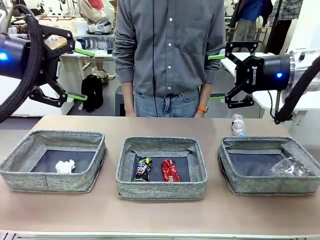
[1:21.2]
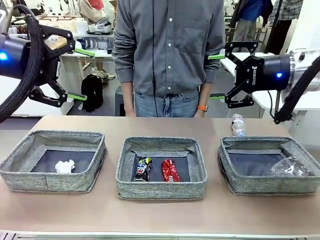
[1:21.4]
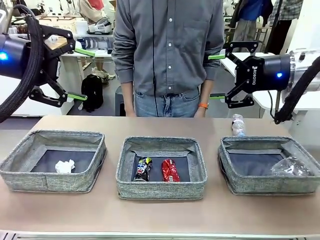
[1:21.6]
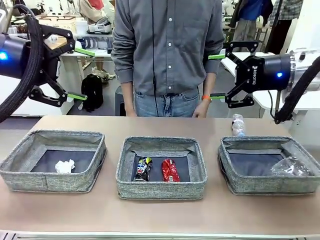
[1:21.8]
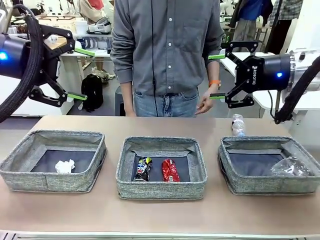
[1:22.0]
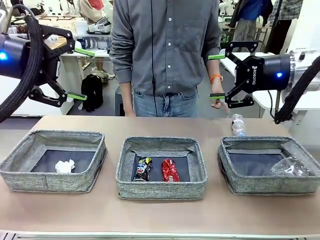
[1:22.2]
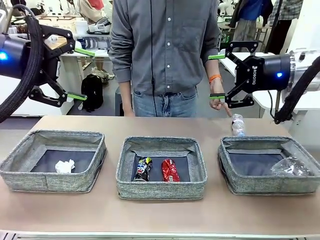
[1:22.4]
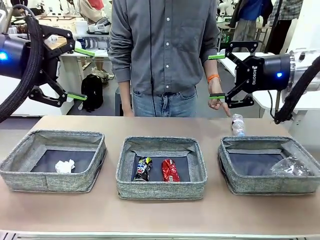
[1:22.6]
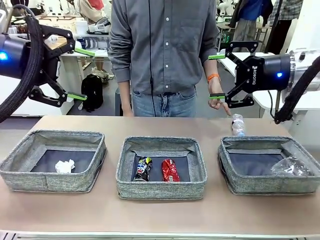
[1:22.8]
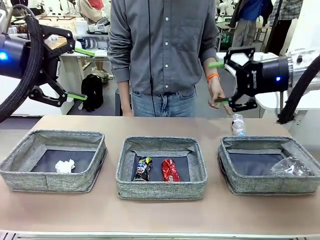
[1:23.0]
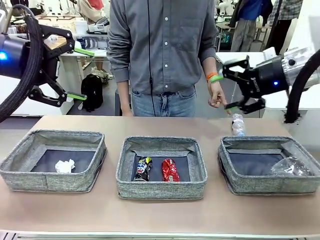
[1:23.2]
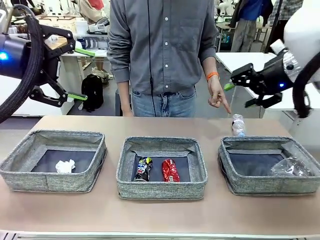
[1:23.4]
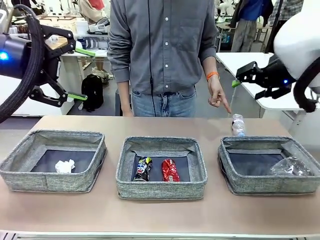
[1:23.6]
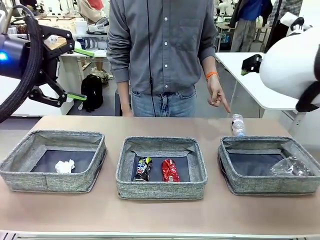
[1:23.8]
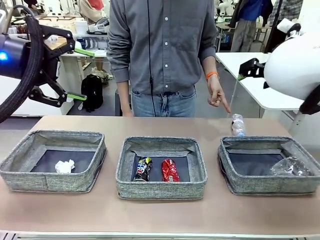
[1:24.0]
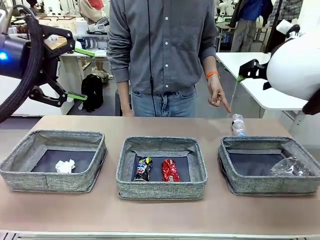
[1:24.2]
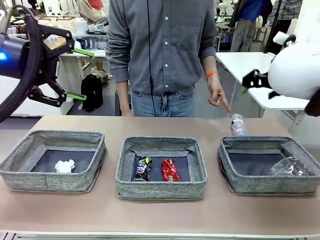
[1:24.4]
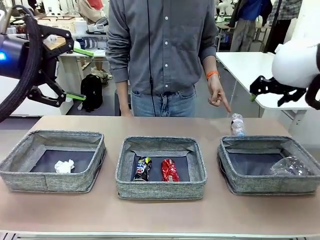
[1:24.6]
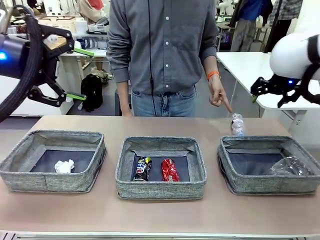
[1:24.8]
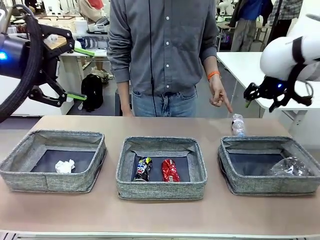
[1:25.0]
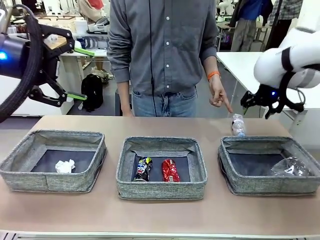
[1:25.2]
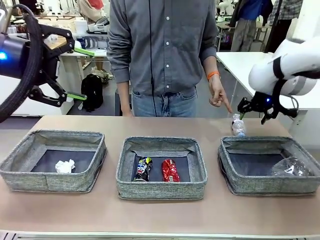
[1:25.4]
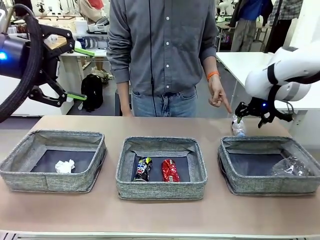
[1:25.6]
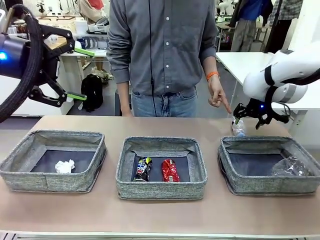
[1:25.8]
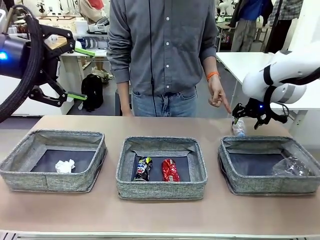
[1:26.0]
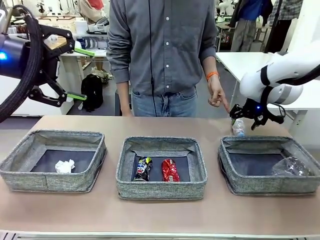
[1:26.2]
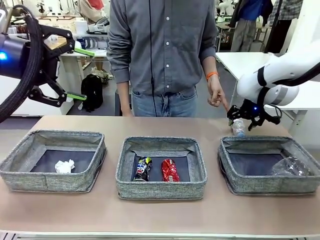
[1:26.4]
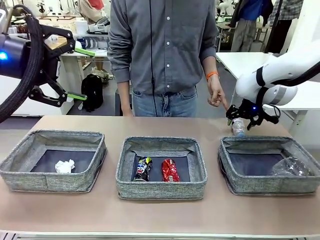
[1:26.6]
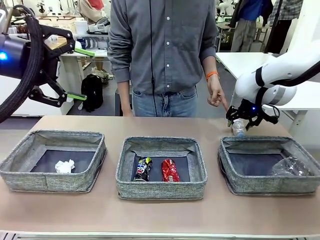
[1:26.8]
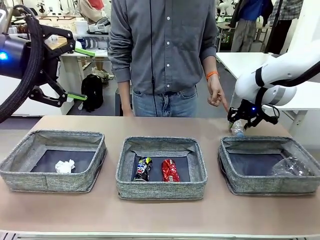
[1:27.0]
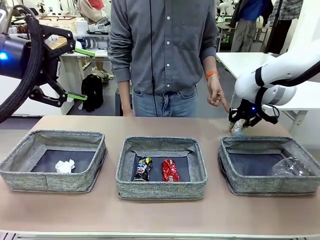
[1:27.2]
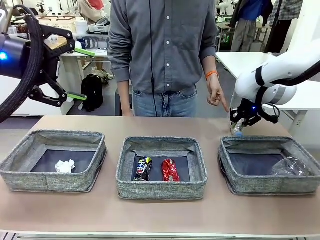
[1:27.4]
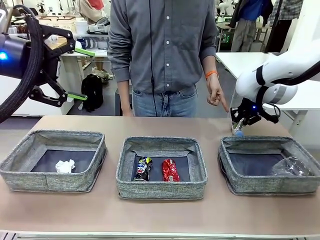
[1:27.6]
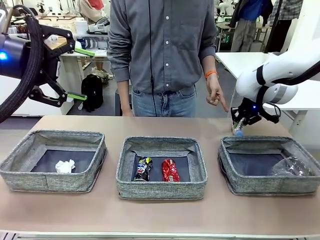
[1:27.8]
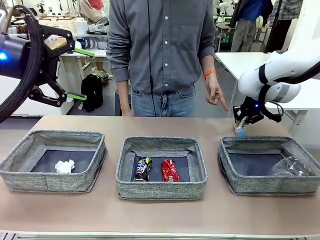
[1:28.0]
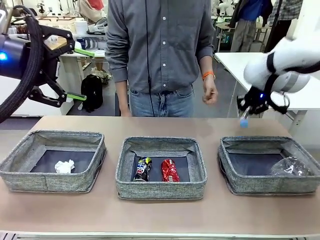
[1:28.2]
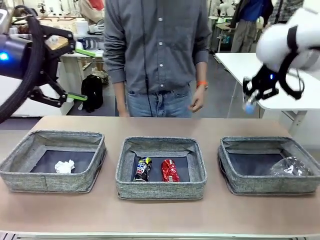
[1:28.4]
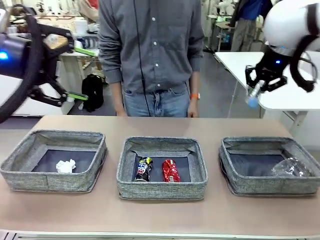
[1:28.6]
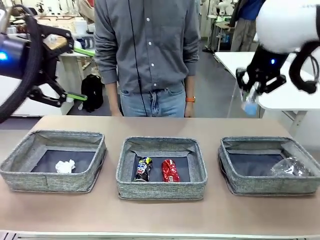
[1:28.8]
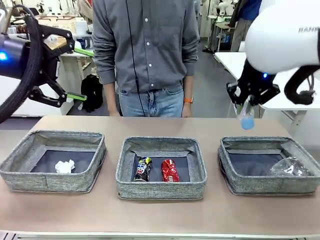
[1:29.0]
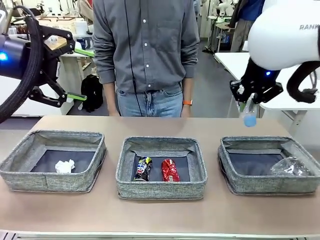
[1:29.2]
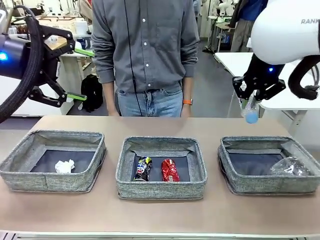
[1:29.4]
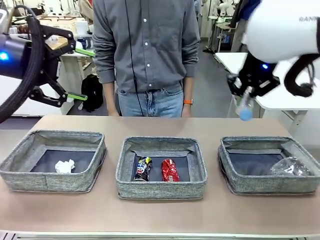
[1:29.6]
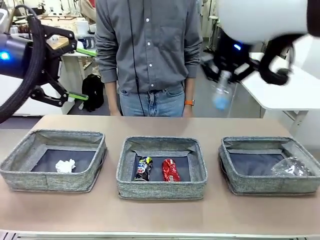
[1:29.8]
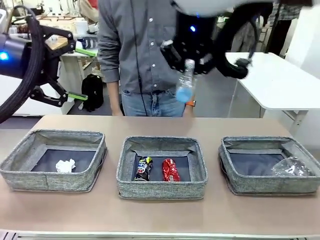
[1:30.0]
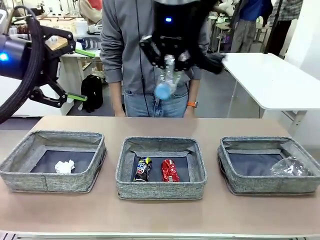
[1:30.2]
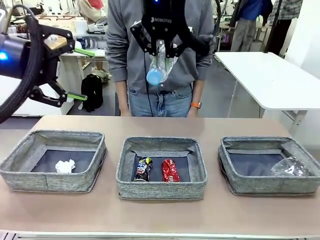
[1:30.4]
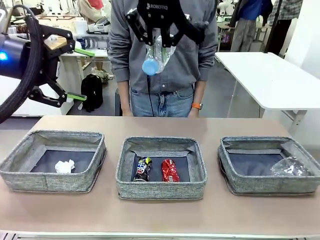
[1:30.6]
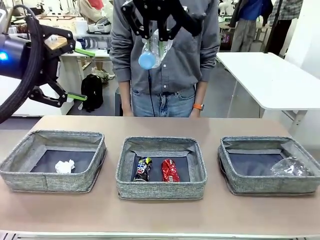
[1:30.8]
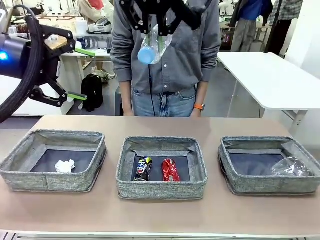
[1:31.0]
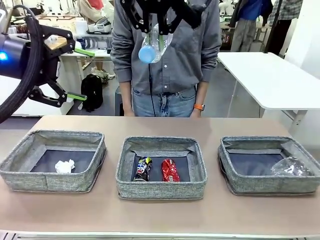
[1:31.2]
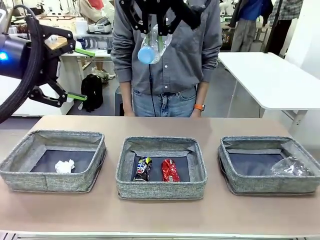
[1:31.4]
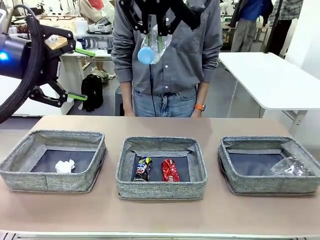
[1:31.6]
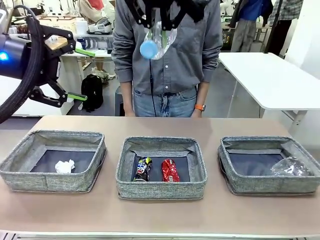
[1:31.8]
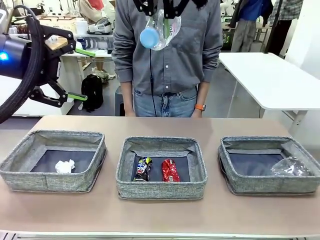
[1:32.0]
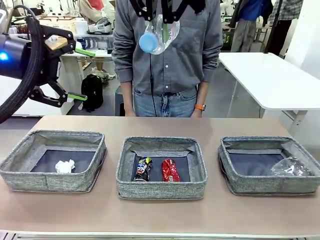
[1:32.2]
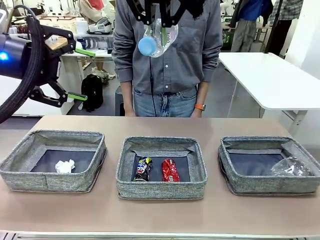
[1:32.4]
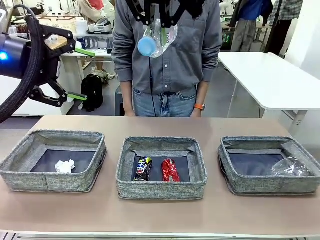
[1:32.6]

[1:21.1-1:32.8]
Task: Sort the waste into the appropriate baskets.
Robot: Pick up the waste item pointed out by the person.
Person: Points to one piece of trash on the table.

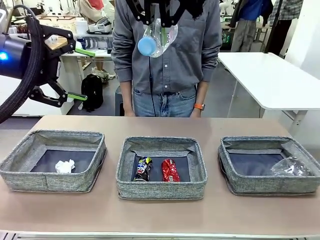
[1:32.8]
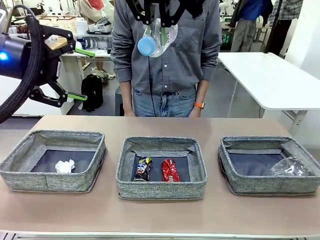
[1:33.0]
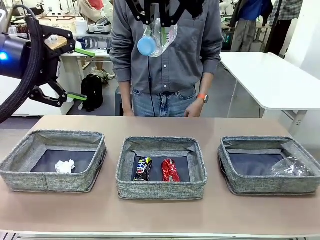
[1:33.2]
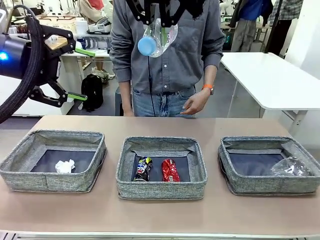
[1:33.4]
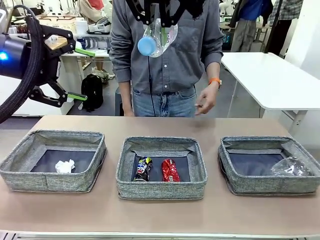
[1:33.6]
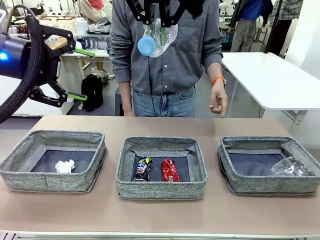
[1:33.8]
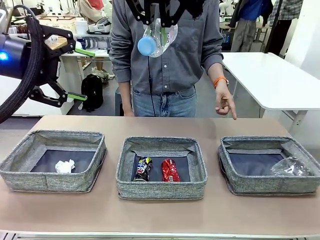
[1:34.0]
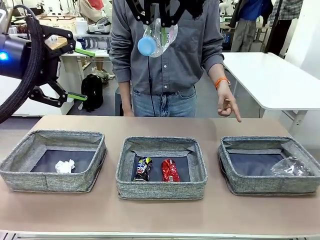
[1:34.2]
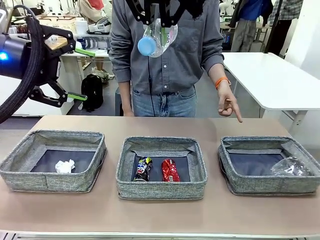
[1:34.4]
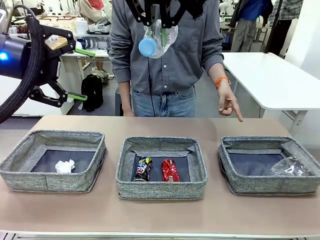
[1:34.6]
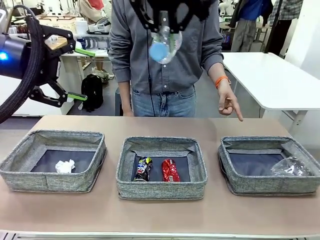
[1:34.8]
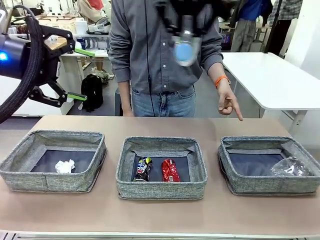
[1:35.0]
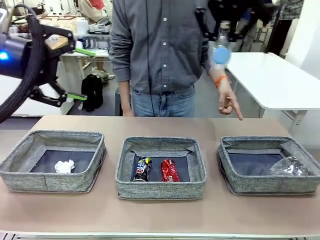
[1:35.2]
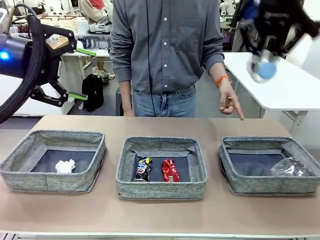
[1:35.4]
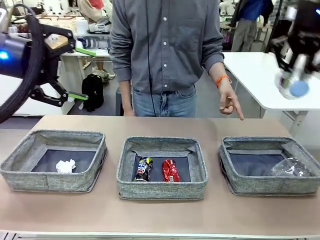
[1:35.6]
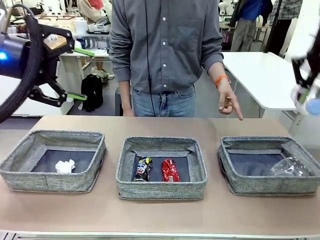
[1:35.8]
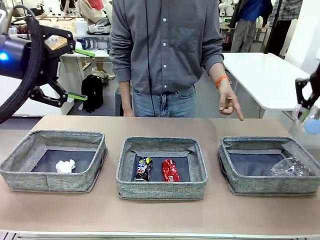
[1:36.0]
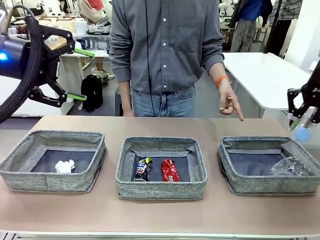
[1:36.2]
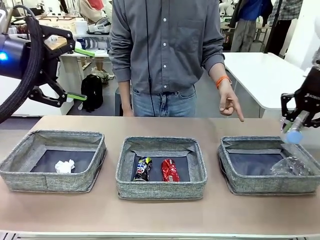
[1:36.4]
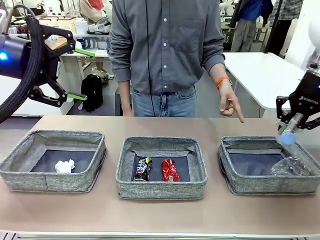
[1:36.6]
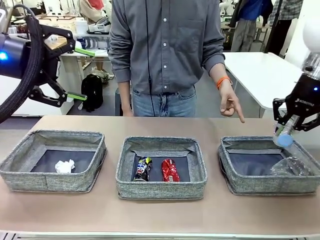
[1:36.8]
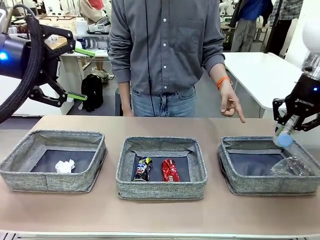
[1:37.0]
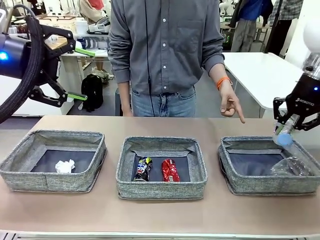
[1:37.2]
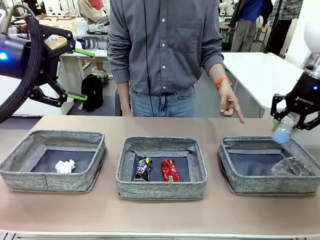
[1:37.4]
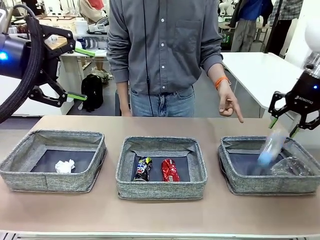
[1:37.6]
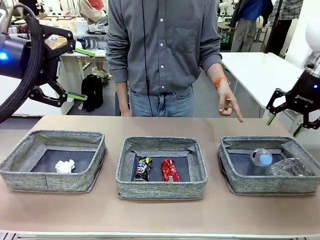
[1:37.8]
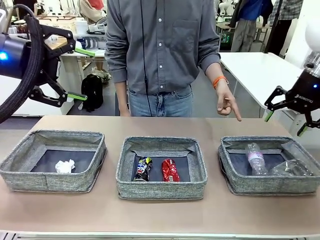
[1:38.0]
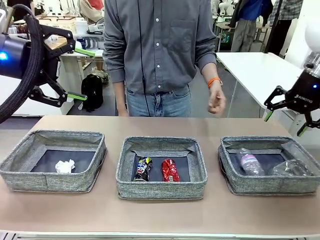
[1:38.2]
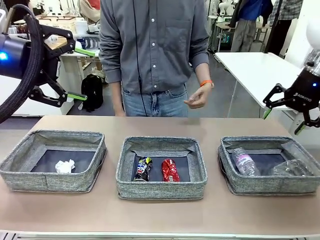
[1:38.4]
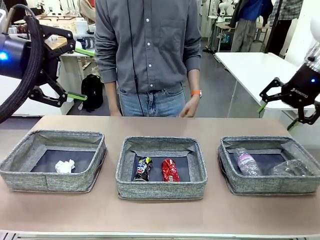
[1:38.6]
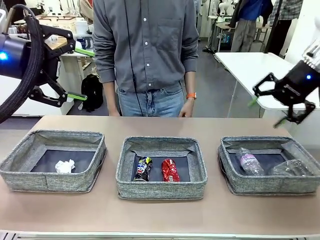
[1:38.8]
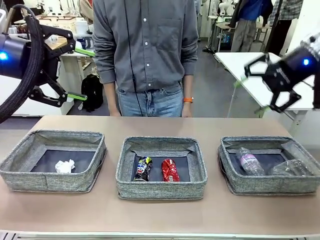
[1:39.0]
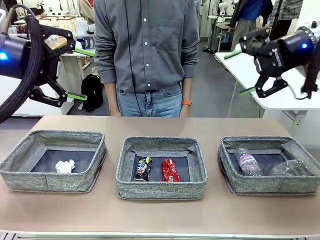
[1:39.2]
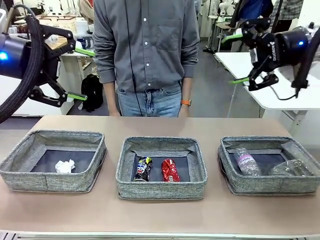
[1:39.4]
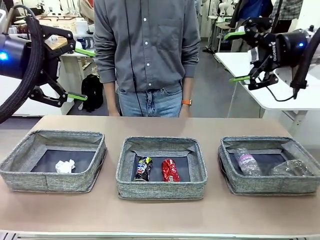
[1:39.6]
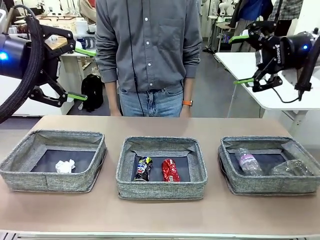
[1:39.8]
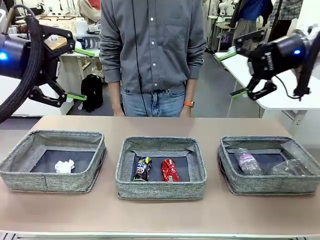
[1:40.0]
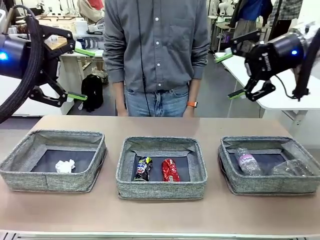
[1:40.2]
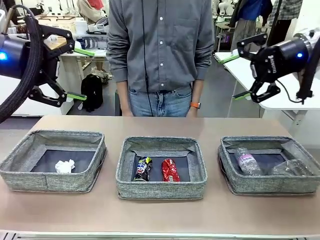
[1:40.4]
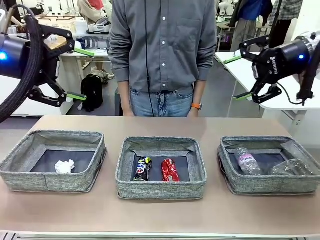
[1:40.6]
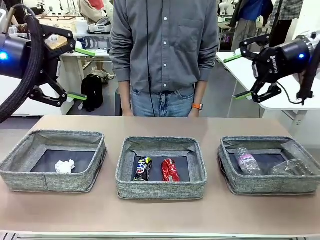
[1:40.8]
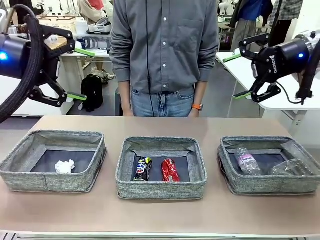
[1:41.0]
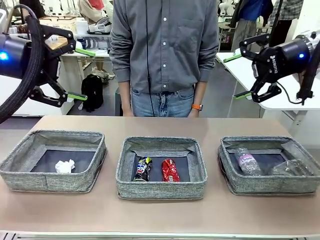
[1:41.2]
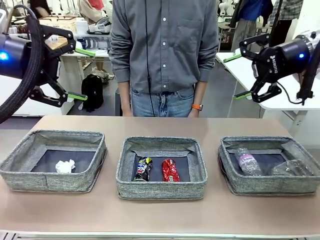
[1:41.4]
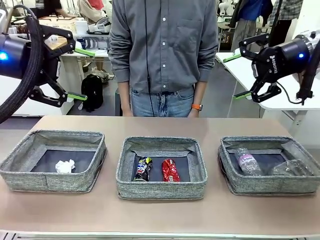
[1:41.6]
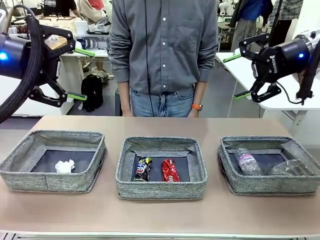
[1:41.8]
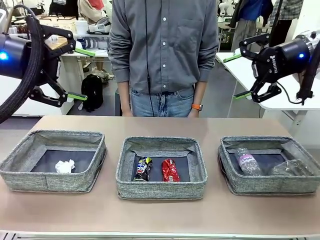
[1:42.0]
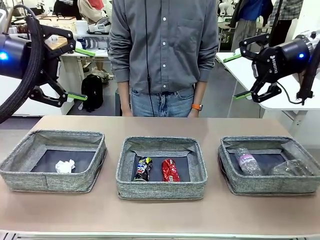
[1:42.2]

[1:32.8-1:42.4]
Robot: Place the picked waste into the Fabric basket indicated by the person.
Person: Instructs the robot to place the picked-up trash into the appropriate organizing basket.
